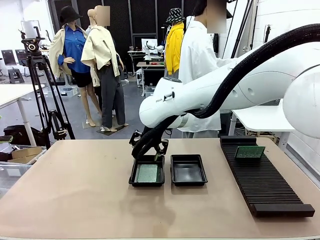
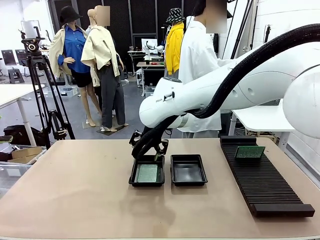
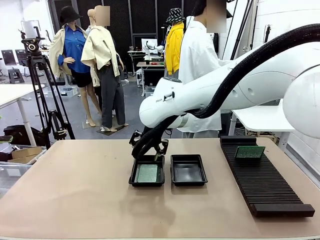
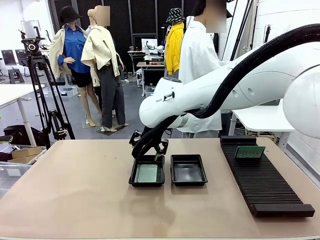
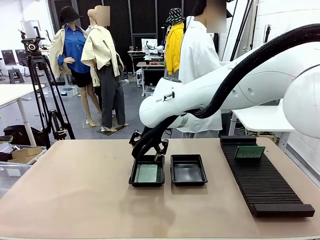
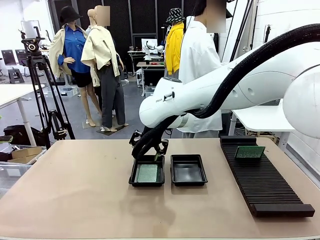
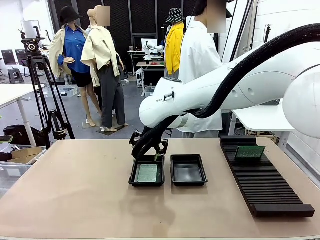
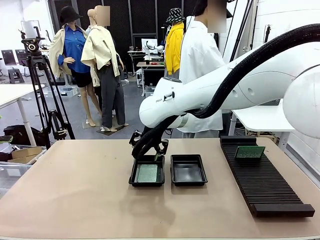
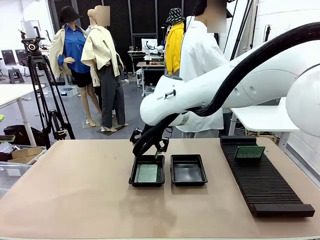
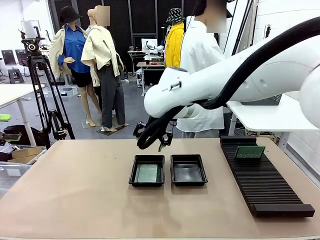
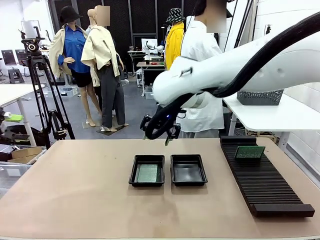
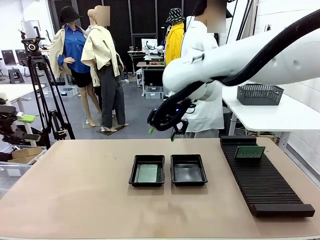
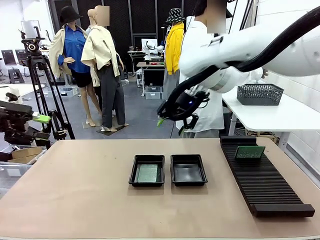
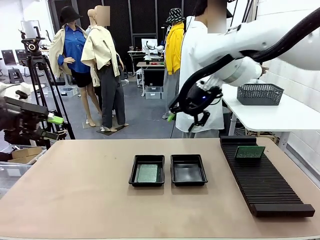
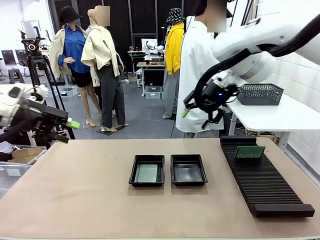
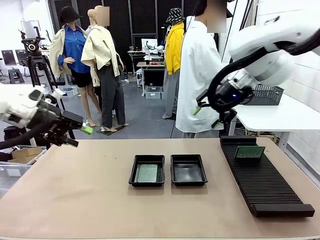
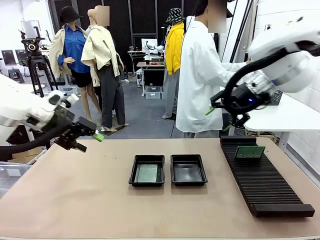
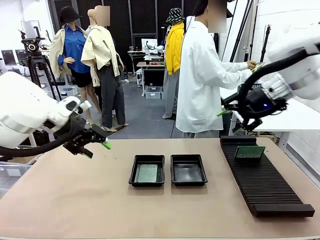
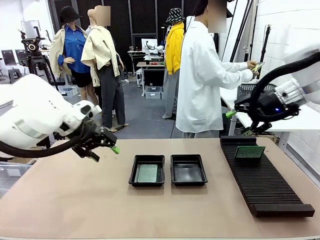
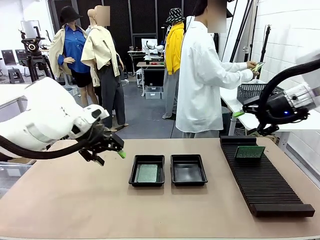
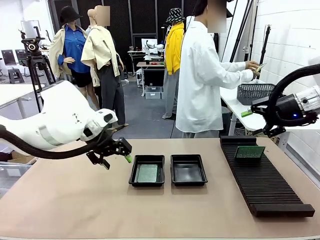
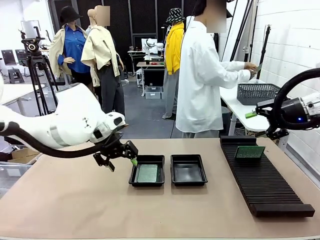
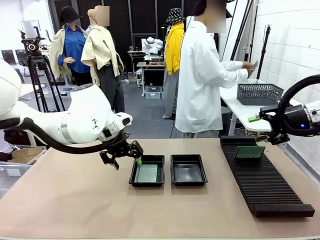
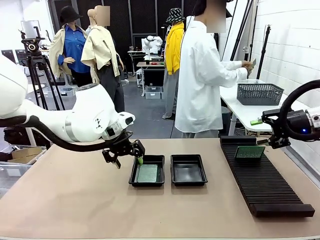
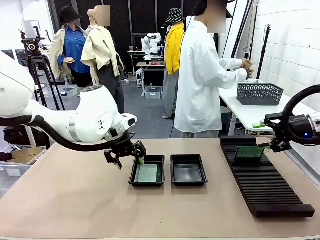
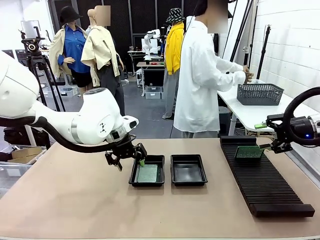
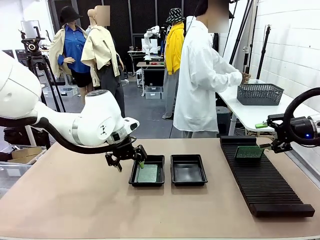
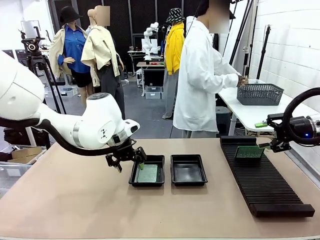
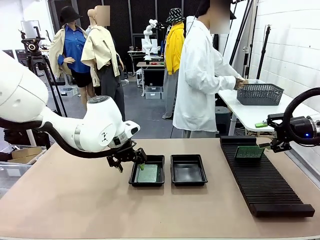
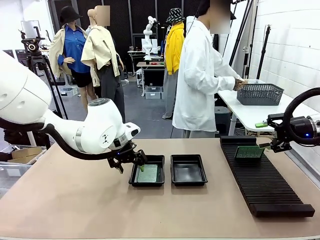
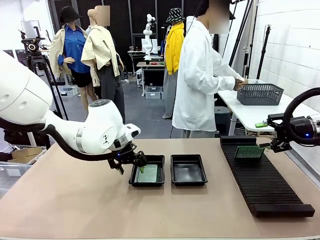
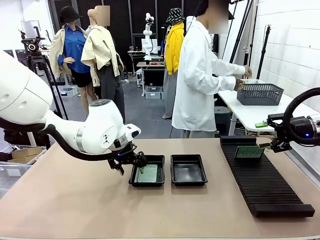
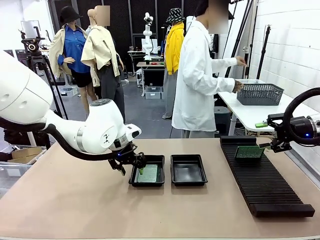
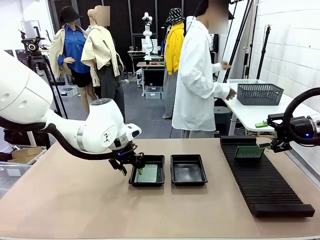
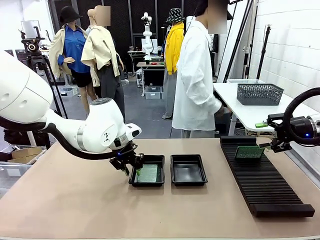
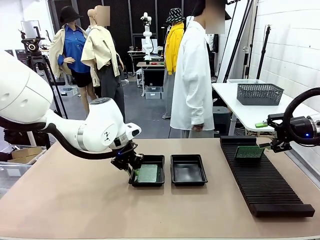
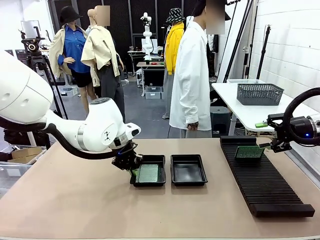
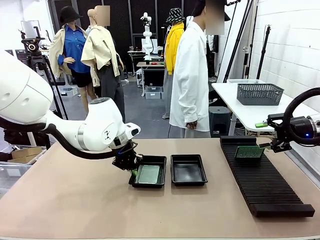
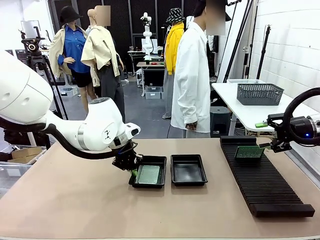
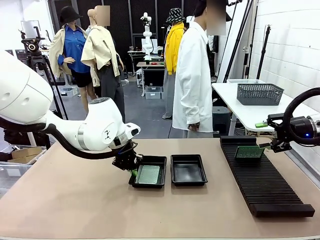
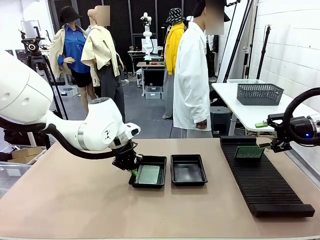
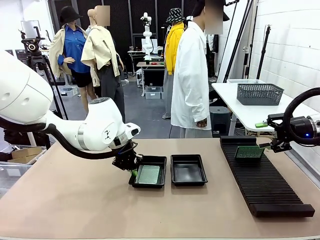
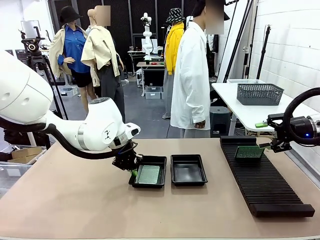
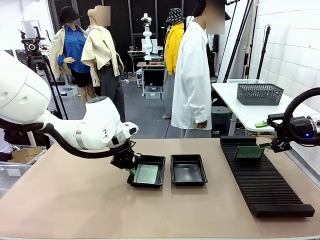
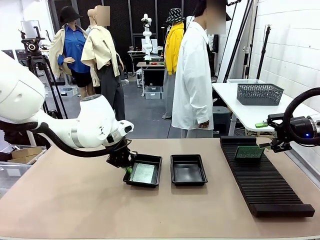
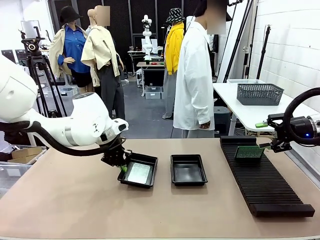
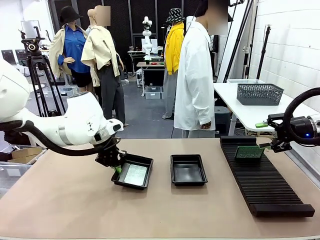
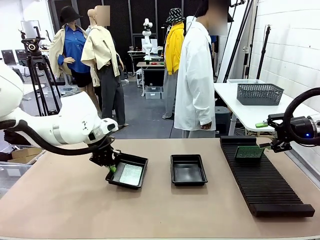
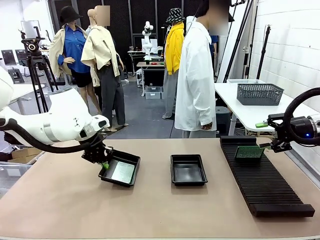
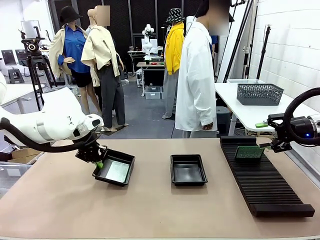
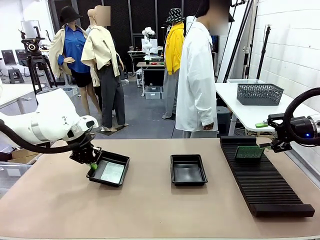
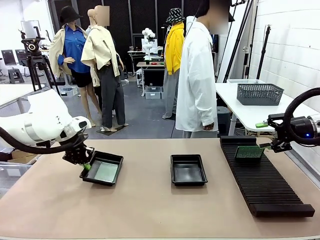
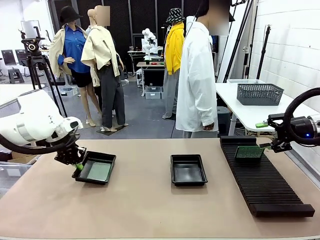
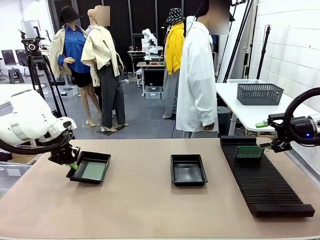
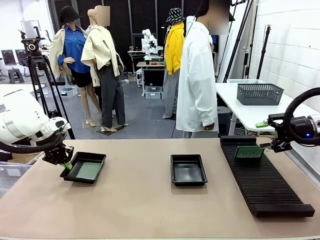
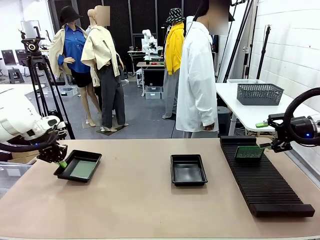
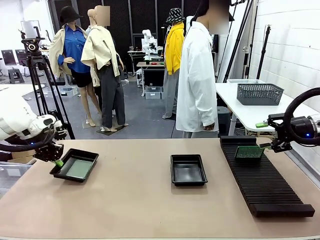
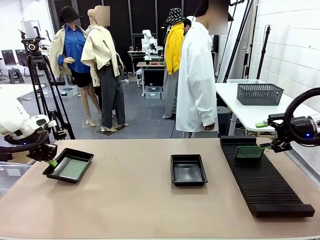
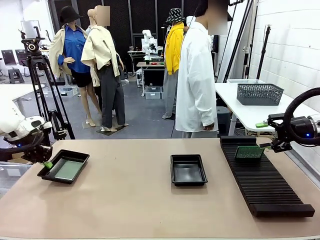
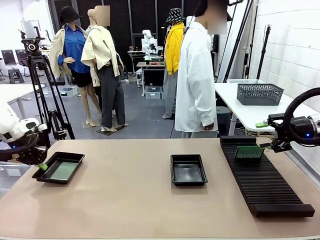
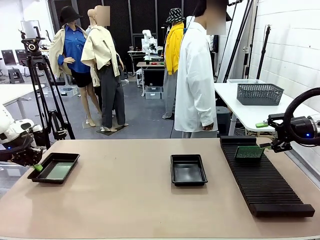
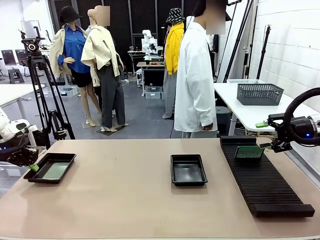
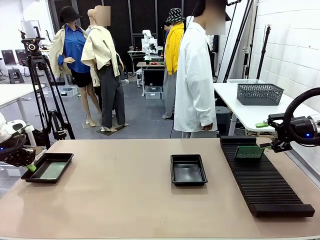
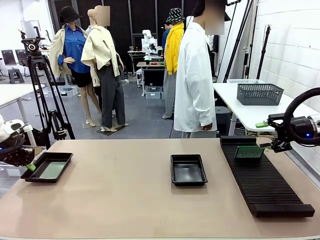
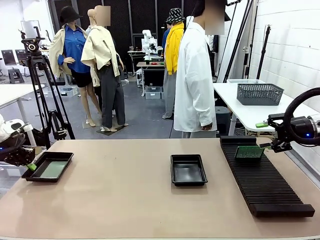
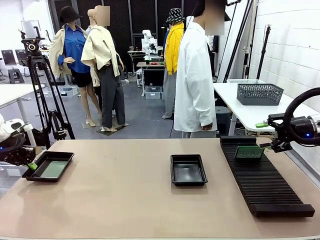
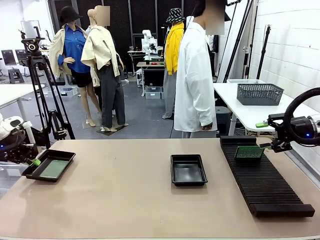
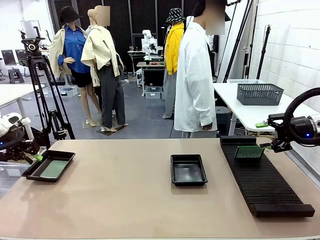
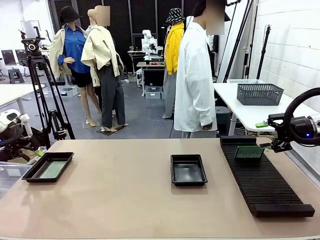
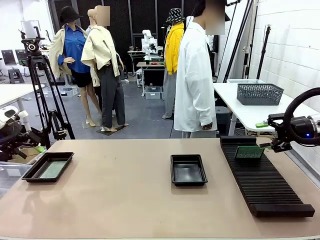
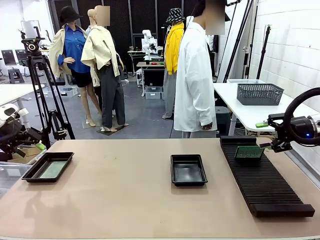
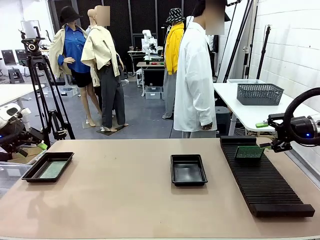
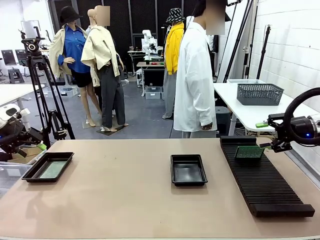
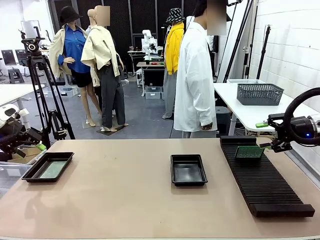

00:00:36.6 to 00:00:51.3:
Task: Inspect and transfer BCBs to ESD trays.
Robot: Pick up the ESD tray and place it on the left side of the table.
